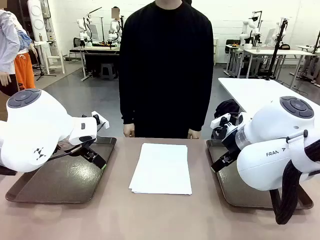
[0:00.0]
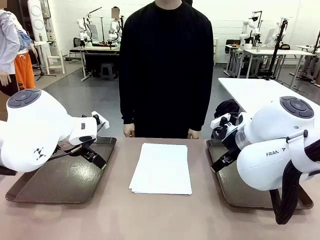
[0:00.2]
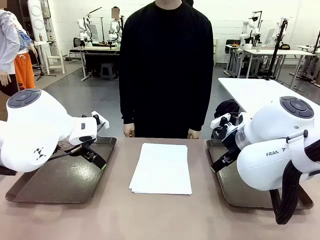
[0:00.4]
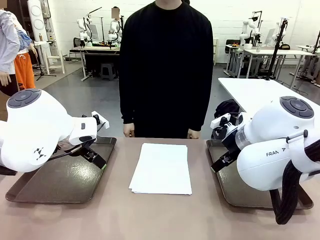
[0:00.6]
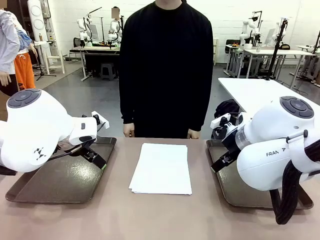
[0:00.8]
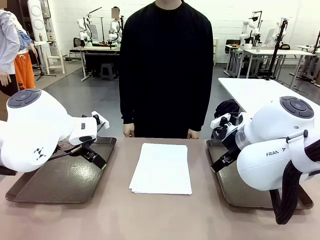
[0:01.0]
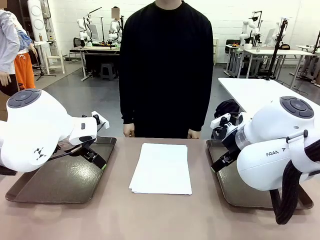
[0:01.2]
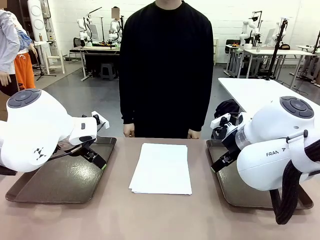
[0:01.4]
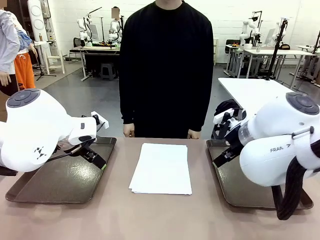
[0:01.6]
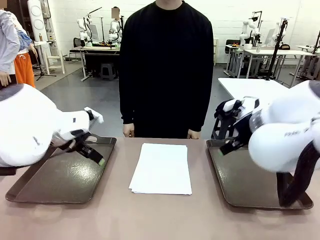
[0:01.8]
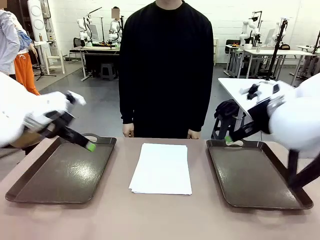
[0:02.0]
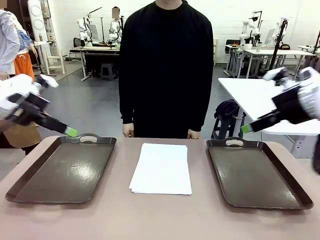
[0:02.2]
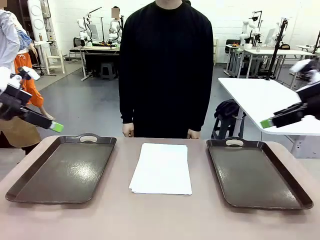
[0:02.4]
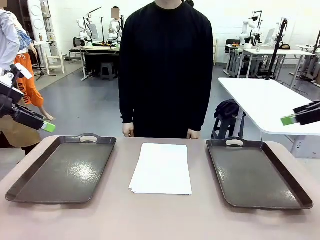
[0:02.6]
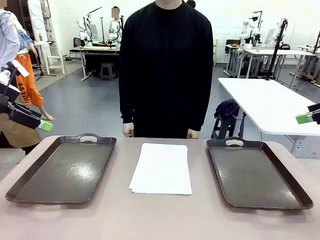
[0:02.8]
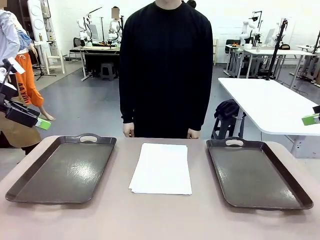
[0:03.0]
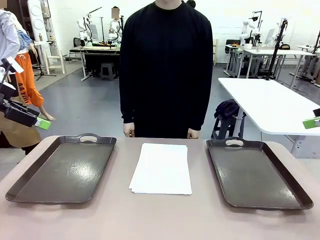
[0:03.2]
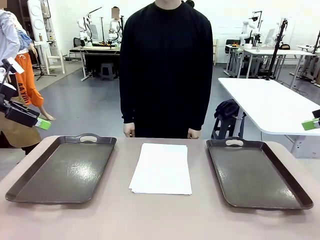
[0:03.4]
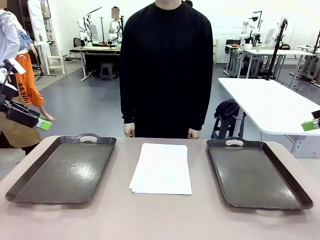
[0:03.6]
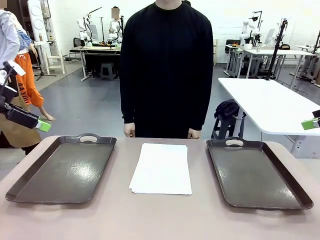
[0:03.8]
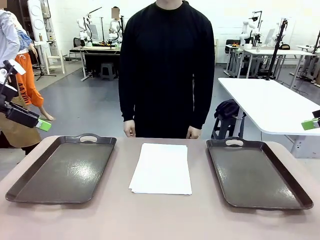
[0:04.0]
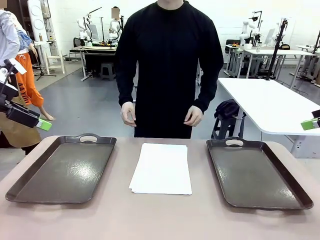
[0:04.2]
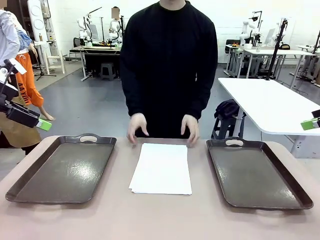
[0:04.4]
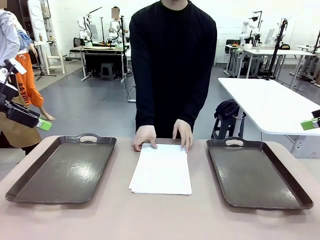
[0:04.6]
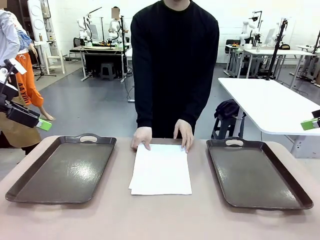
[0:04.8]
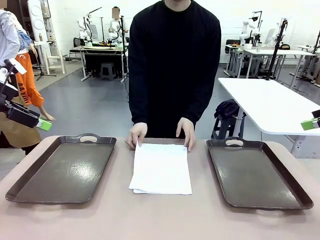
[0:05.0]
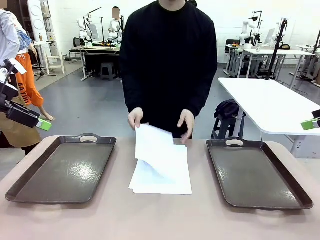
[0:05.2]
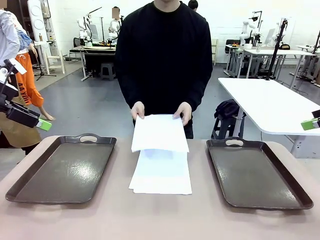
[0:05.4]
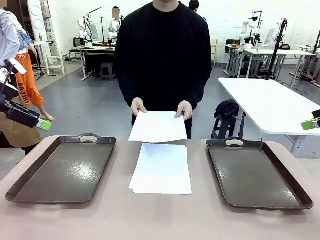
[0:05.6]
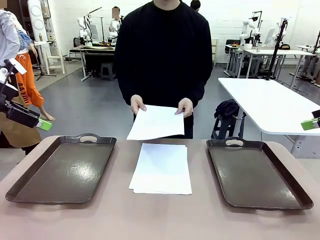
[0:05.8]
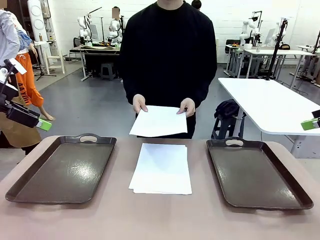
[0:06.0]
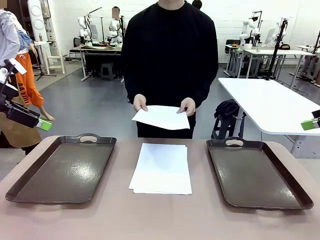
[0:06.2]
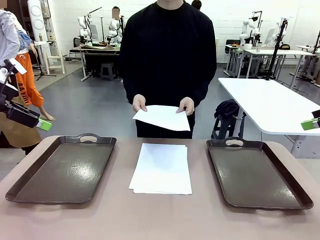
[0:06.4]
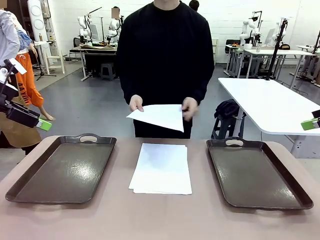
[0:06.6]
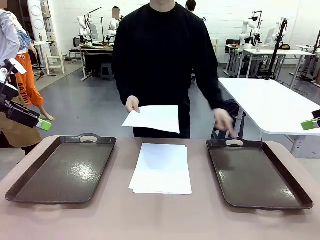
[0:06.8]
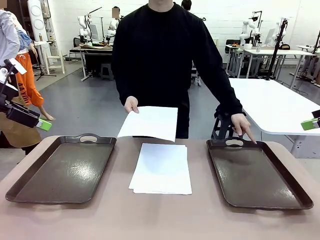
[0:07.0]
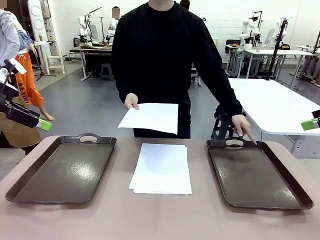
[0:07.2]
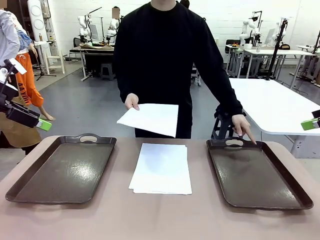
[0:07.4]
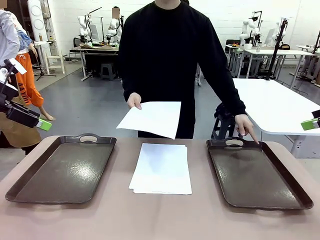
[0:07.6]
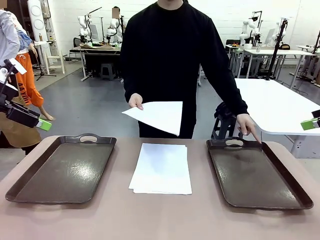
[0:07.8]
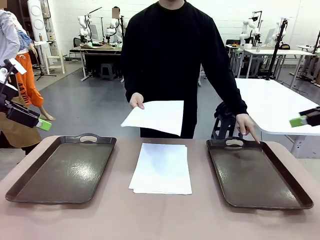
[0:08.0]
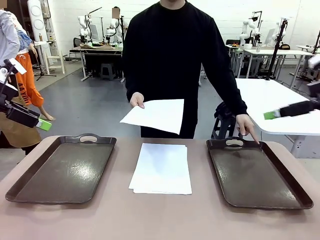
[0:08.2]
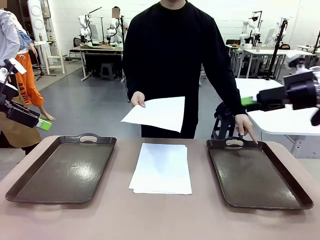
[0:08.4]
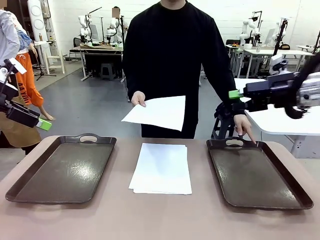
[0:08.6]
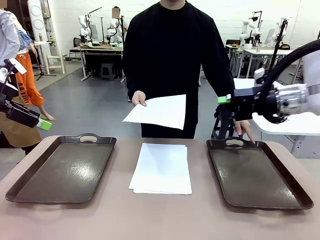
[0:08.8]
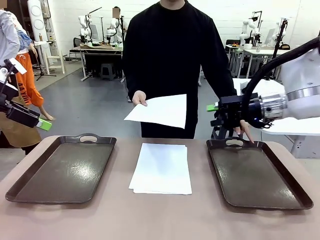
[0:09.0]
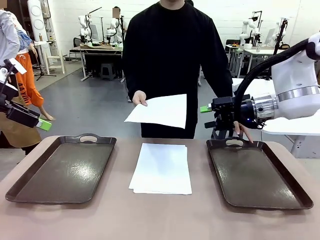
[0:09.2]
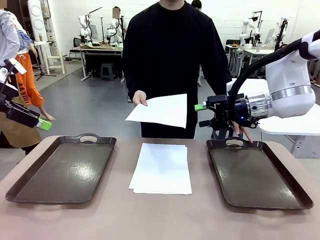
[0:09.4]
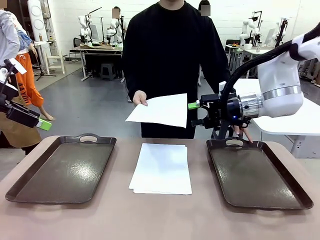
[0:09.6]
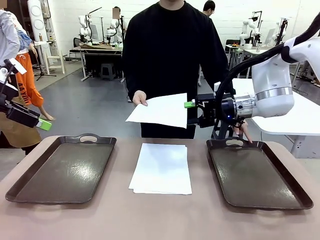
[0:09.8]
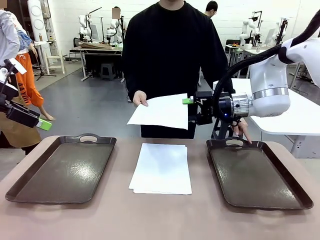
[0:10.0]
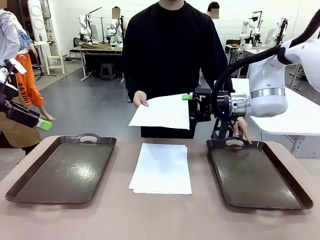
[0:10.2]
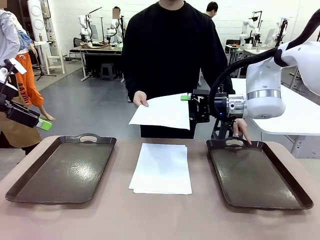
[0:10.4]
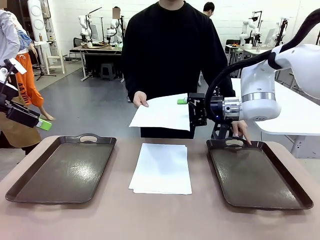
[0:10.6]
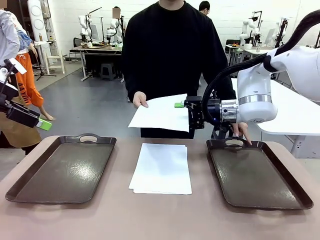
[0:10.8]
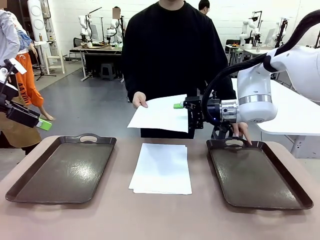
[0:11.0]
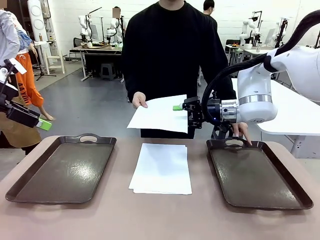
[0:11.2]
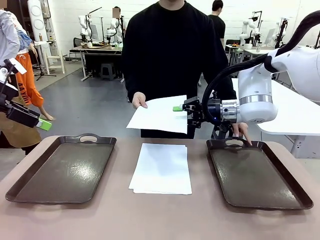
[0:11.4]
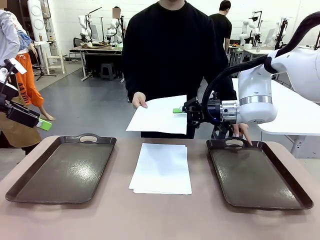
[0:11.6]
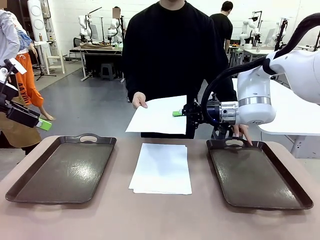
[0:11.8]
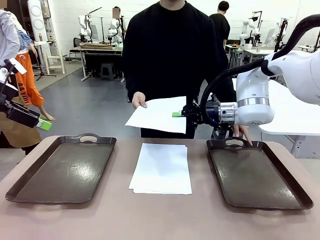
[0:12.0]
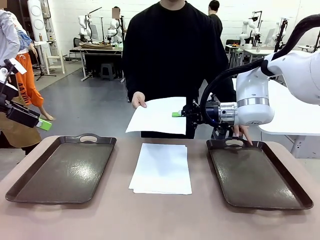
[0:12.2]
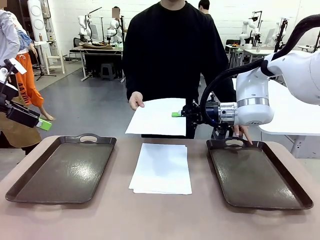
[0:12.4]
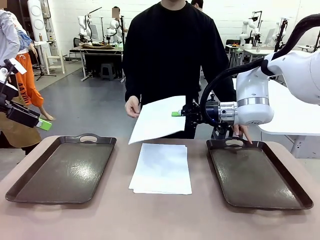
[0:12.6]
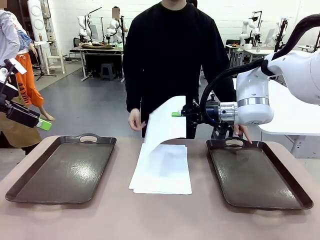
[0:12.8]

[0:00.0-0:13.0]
Task: Sort the A4 documents.
Robot: Receive the A4 Paper.
Person: Pick up a sheet of paper from the center of the table and hand it to the robot. Point the randomly selected tray with the other hand.

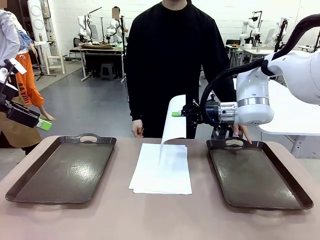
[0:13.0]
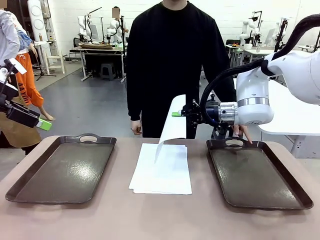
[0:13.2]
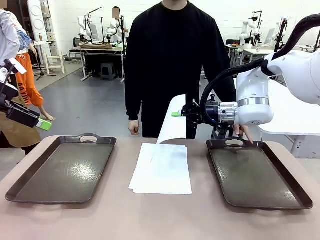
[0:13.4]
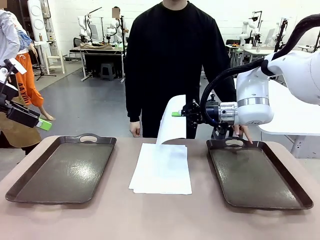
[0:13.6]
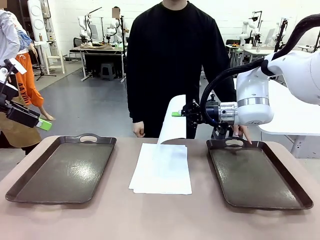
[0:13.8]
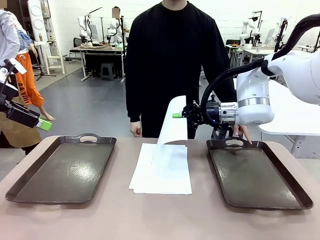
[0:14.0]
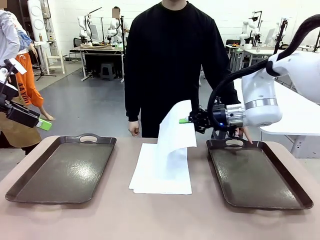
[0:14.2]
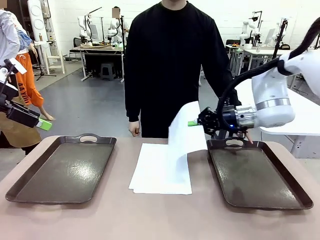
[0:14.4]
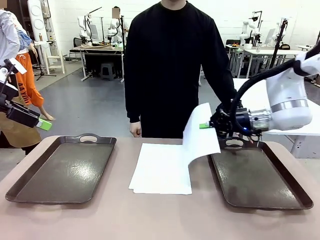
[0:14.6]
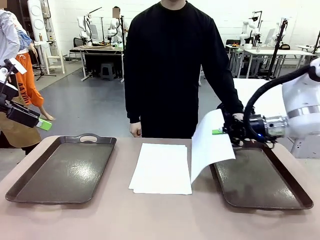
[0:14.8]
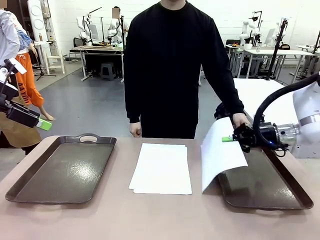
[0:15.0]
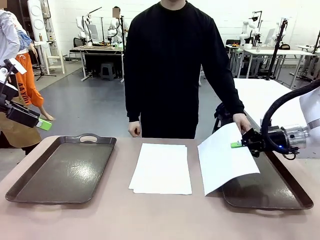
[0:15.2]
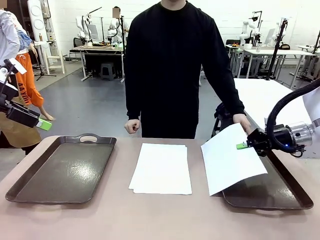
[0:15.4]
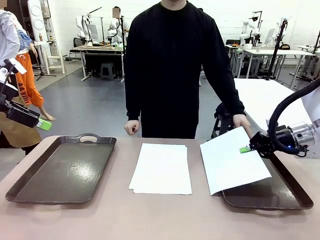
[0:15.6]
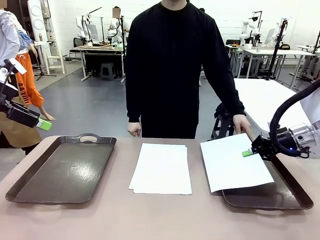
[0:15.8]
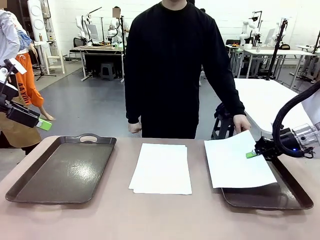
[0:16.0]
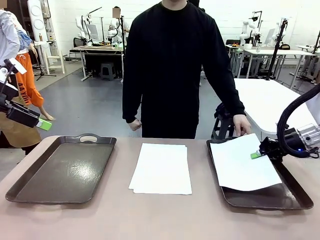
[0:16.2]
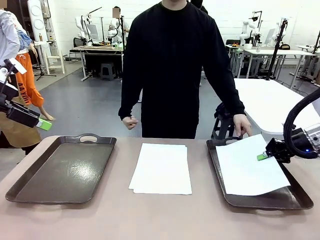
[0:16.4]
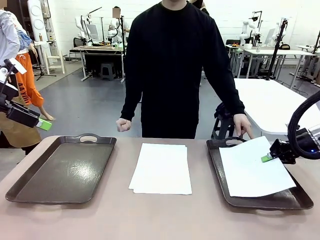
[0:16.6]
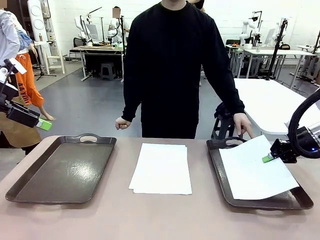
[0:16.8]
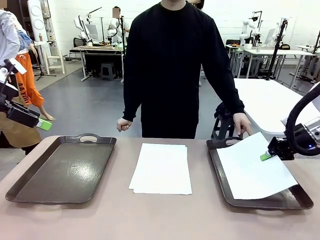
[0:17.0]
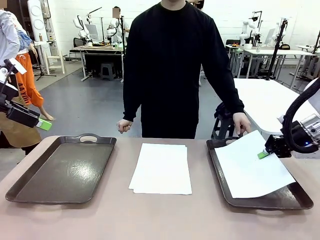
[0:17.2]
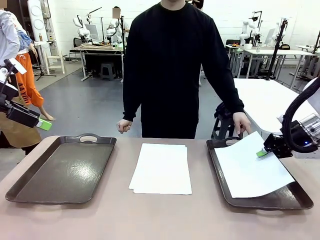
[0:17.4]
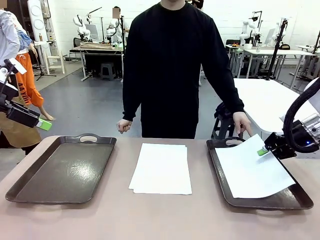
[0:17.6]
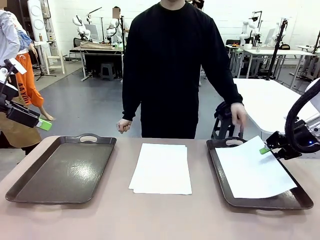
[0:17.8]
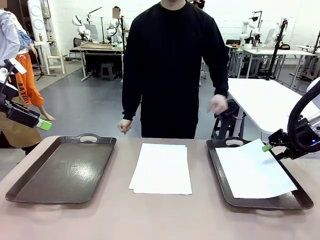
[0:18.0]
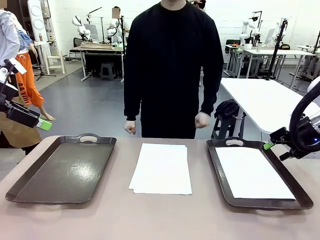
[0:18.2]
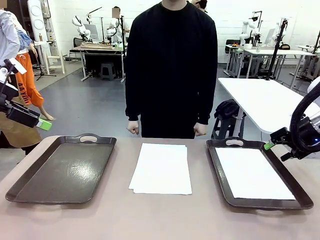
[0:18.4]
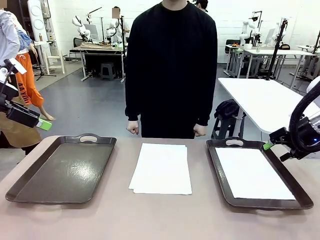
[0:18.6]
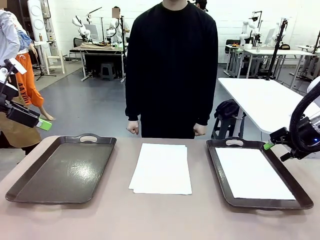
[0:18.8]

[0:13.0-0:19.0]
Robot: Place the A4 Paper in the designated Handle tray.
